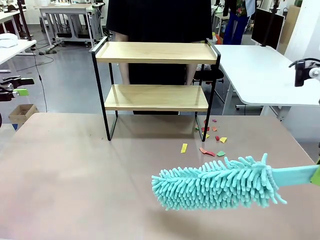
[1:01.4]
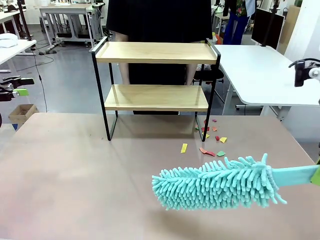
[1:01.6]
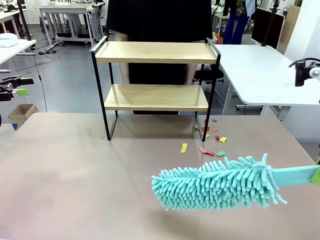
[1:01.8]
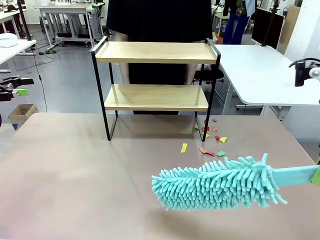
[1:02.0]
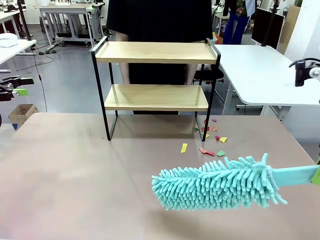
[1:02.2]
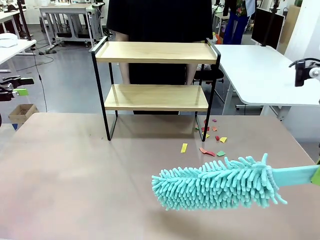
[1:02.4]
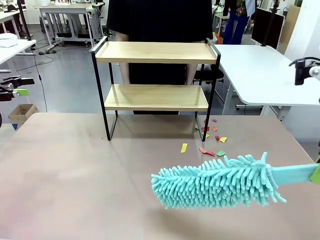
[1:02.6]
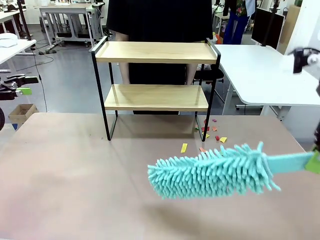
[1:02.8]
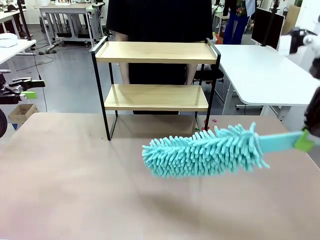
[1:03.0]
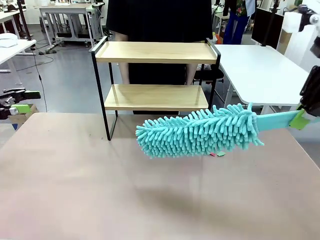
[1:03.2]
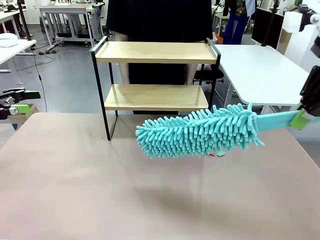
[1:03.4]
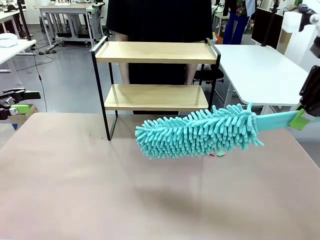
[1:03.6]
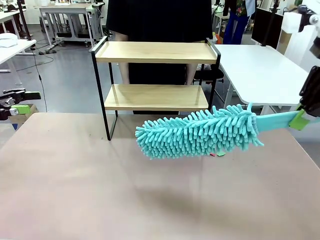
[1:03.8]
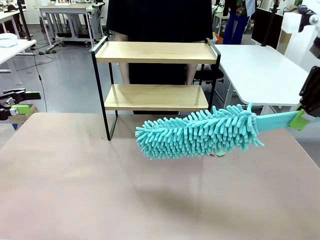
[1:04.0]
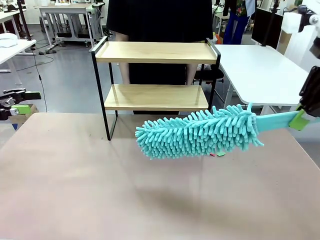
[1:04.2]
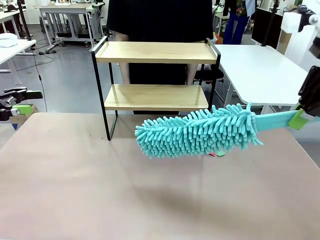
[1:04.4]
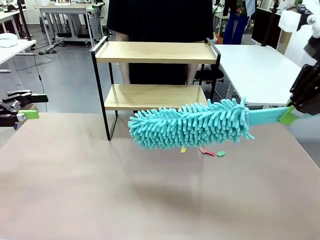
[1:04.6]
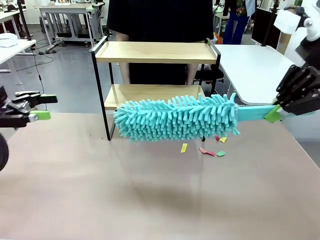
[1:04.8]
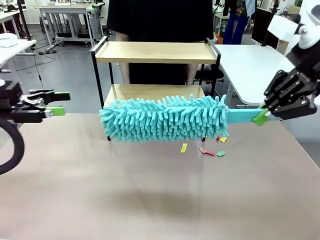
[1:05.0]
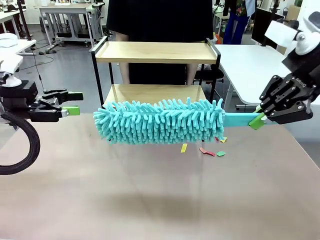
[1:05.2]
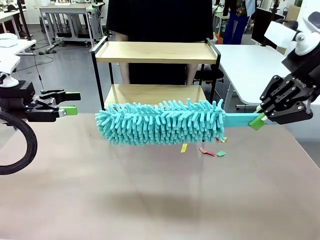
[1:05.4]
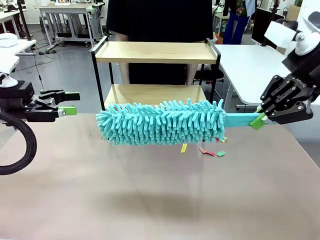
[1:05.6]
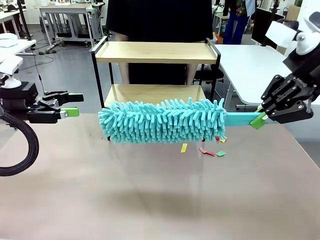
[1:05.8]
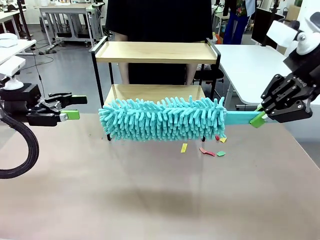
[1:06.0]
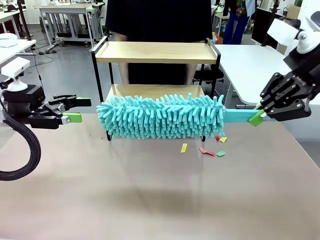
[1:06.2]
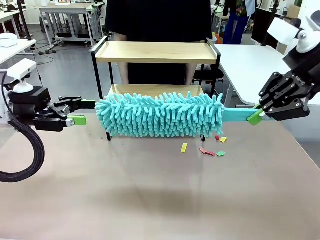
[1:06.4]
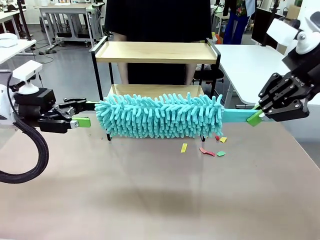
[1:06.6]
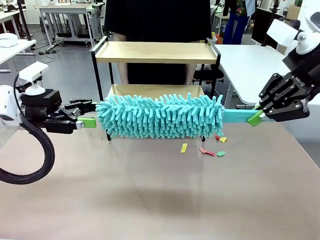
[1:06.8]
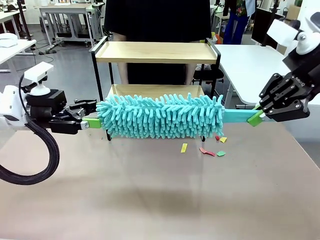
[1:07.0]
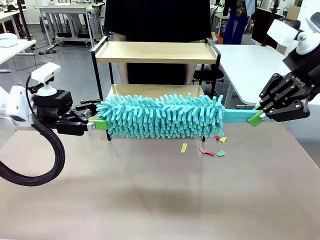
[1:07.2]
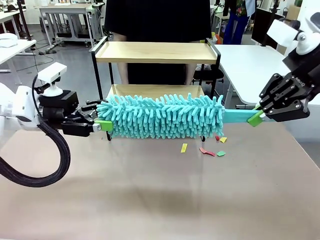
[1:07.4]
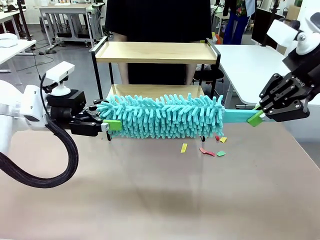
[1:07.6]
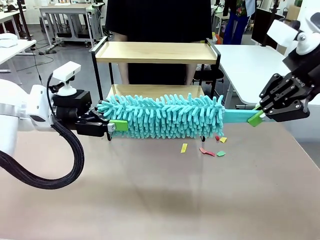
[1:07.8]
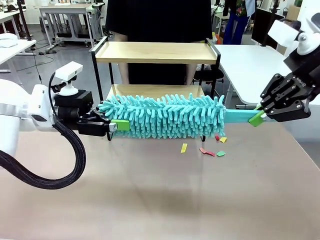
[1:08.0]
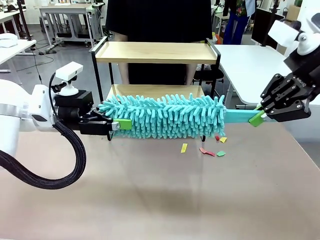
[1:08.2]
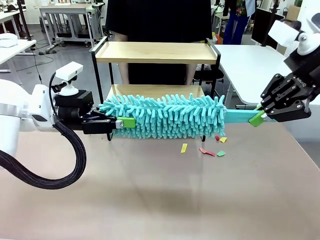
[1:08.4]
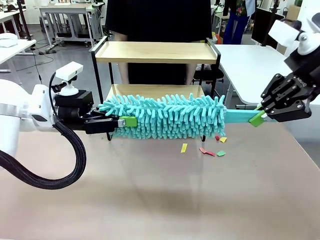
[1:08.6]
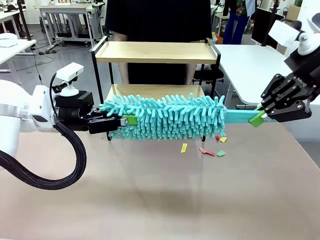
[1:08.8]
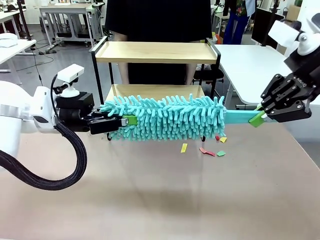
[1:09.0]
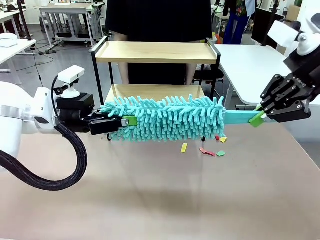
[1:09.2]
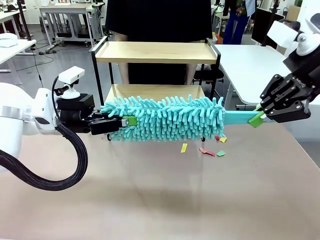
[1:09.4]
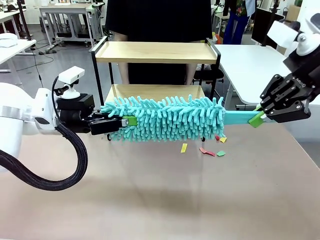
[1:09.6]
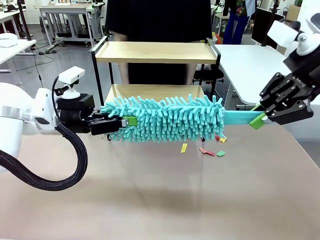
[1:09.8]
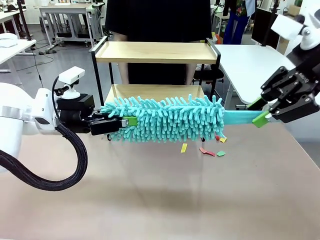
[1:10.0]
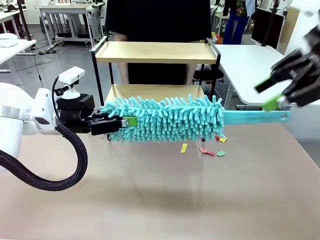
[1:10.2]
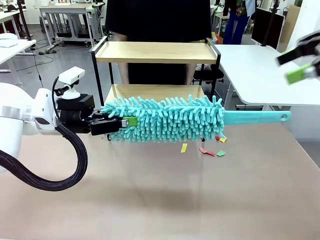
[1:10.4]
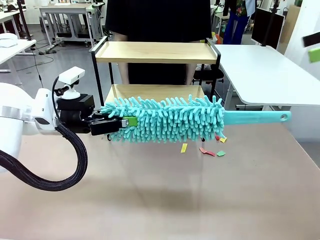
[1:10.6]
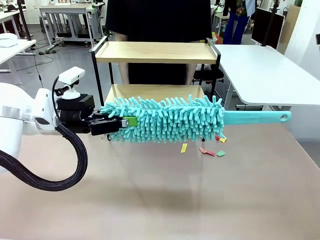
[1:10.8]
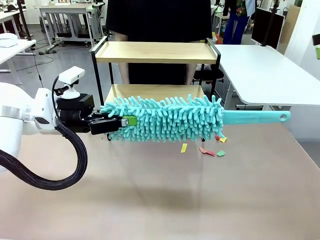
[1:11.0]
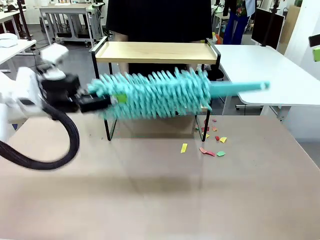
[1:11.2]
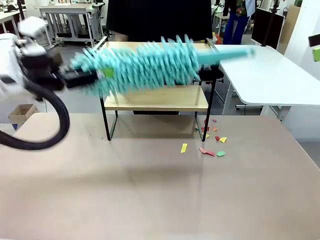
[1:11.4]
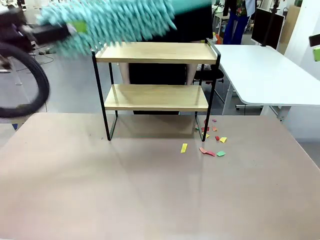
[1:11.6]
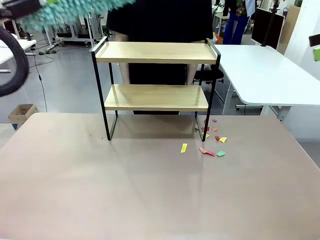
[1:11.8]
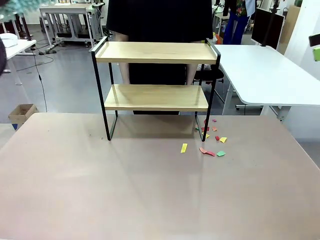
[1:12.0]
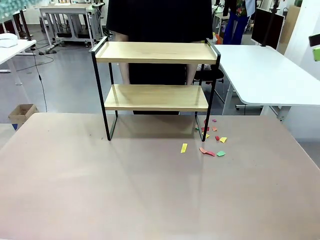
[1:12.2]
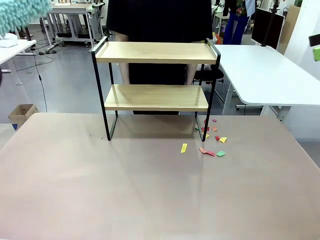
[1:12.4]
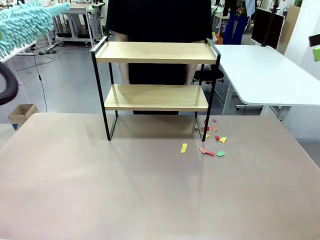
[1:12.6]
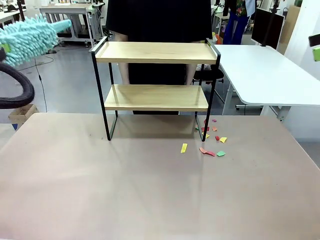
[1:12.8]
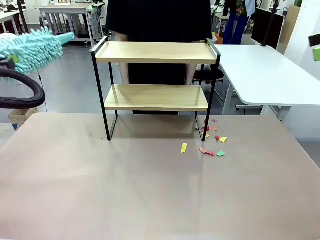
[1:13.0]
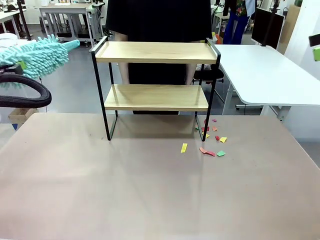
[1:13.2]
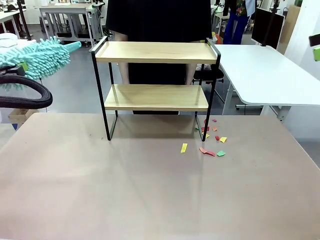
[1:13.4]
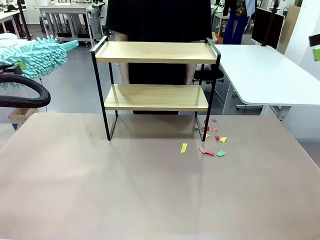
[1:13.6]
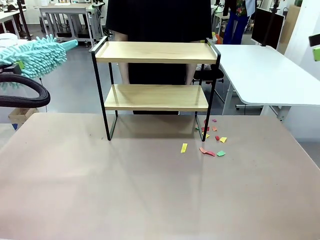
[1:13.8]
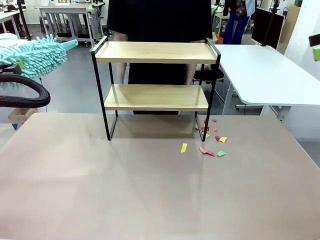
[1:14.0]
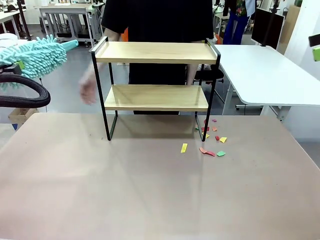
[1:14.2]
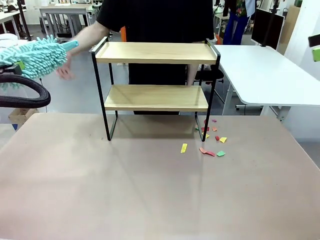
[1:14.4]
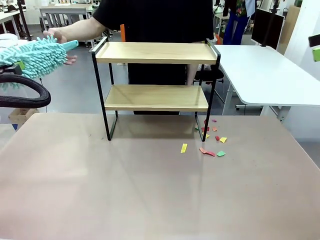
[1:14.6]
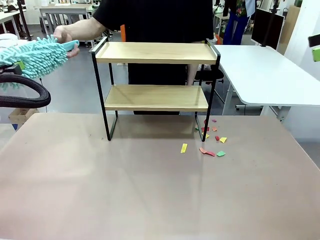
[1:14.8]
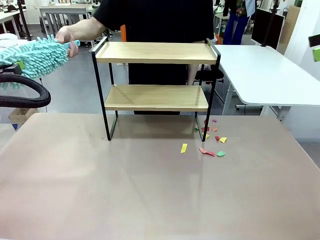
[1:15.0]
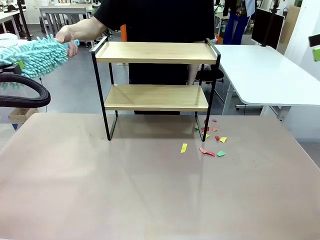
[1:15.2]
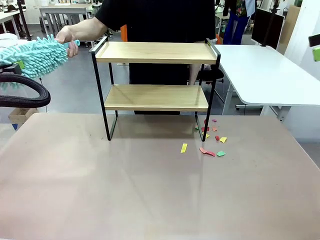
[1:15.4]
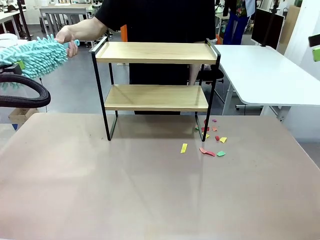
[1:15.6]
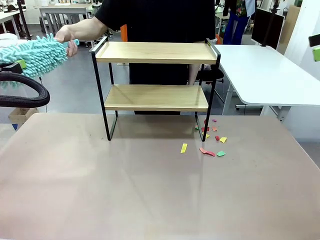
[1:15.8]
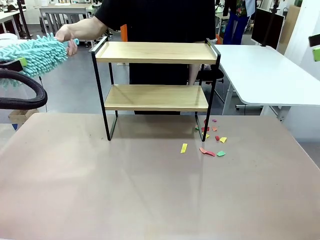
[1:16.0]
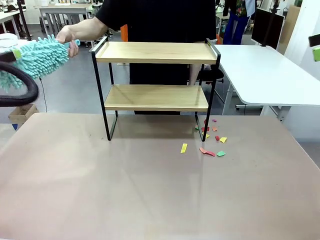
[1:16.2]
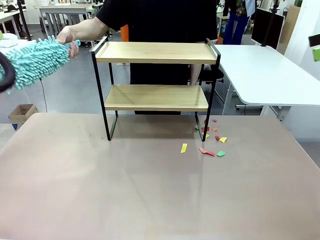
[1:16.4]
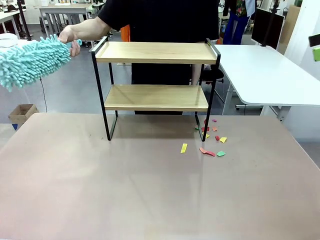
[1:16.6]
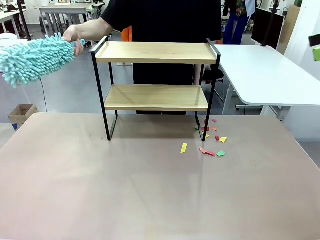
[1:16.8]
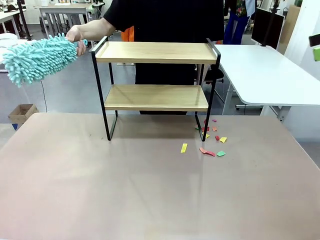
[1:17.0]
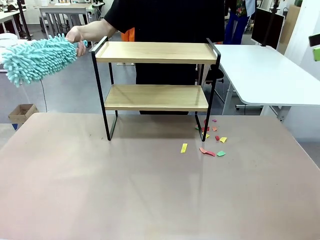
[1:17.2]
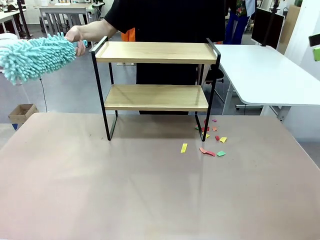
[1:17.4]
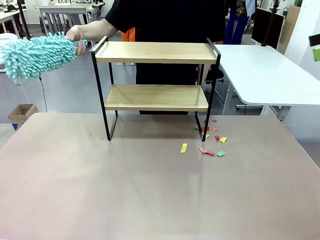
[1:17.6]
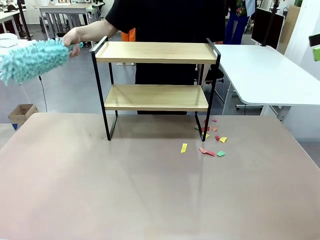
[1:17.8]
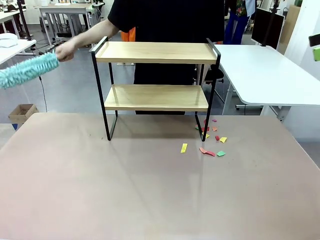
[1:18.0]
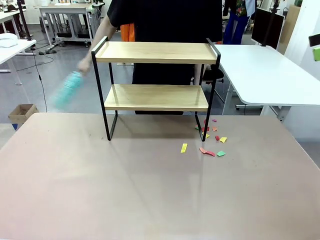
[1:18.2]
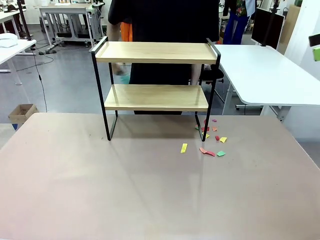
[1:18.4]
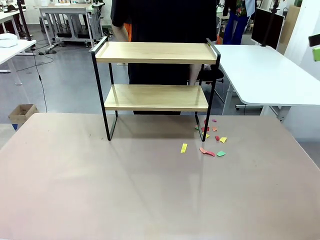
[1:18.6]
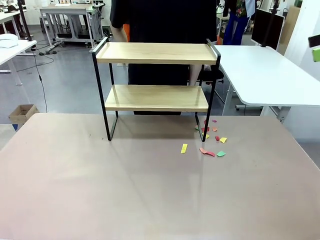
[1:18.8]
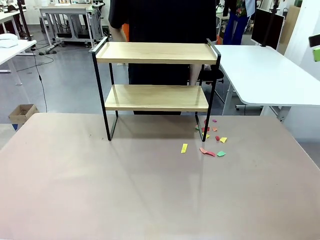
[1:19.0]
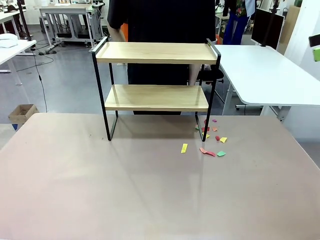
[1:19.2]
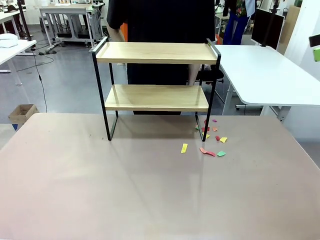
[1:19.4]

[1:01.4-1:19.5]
Task: Clean the shelf.
Robot: Hand the Duster back to the human.
Person: Receive the Duster from the robot.

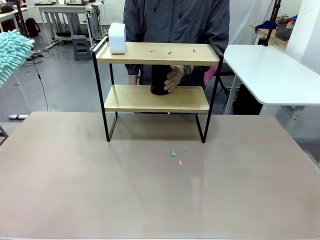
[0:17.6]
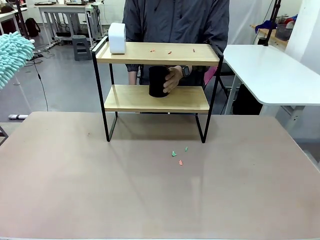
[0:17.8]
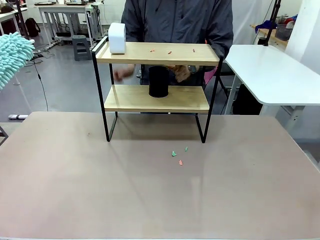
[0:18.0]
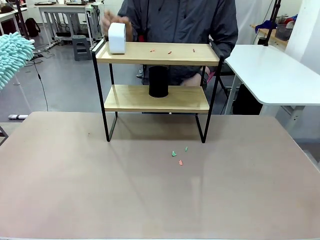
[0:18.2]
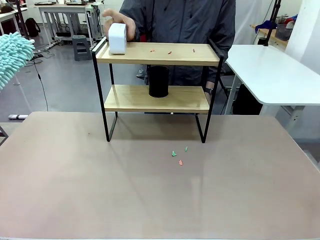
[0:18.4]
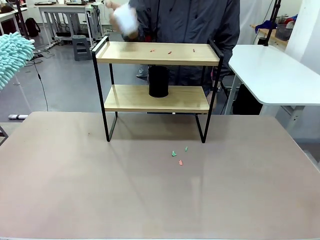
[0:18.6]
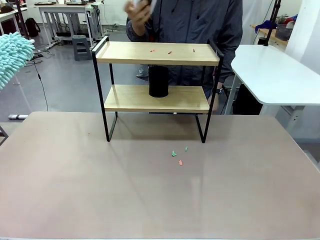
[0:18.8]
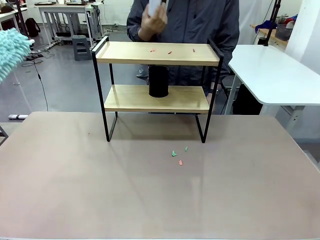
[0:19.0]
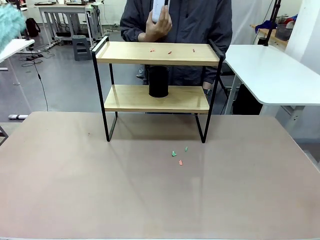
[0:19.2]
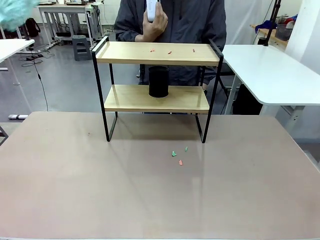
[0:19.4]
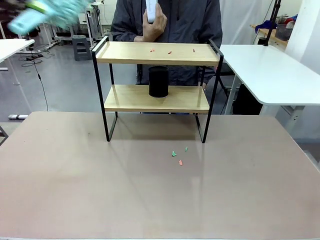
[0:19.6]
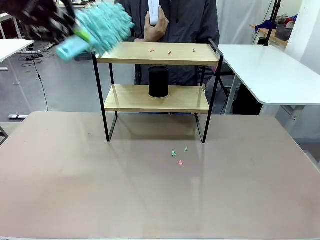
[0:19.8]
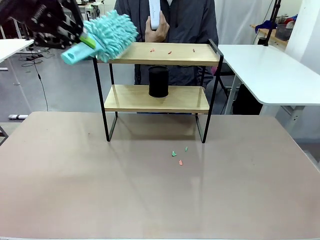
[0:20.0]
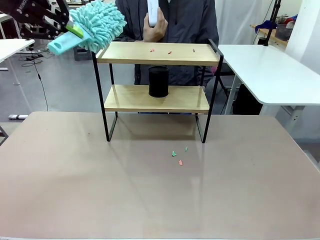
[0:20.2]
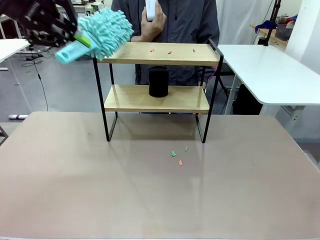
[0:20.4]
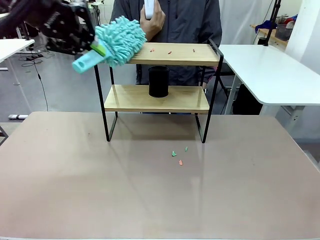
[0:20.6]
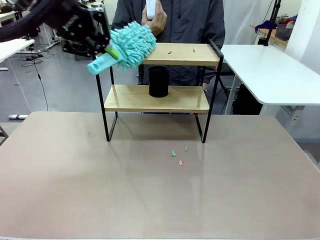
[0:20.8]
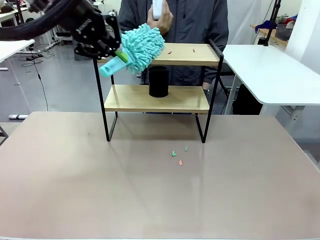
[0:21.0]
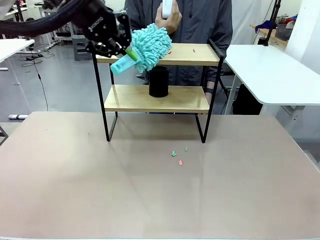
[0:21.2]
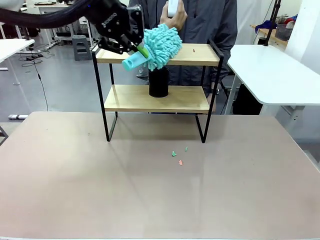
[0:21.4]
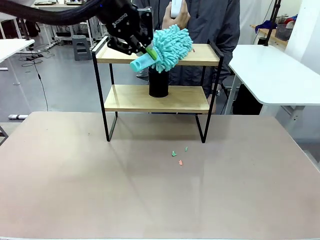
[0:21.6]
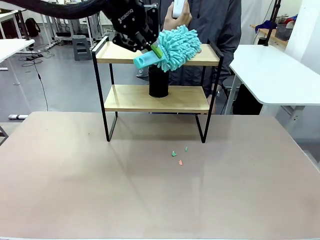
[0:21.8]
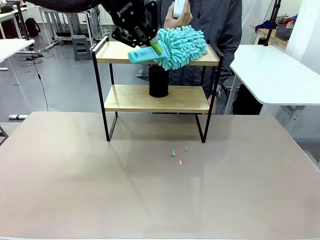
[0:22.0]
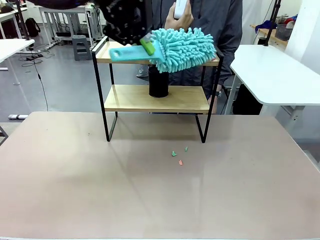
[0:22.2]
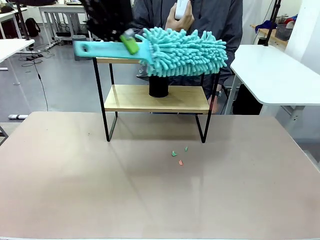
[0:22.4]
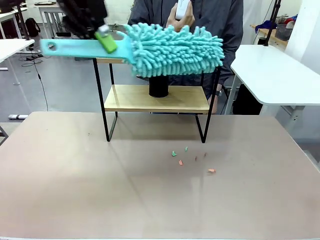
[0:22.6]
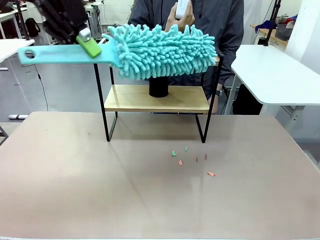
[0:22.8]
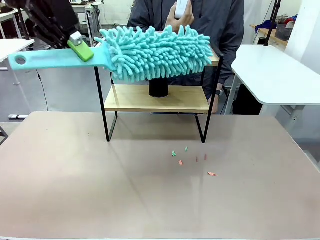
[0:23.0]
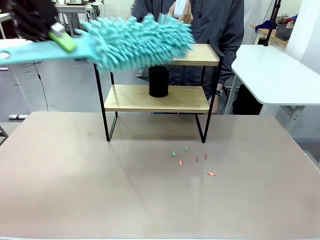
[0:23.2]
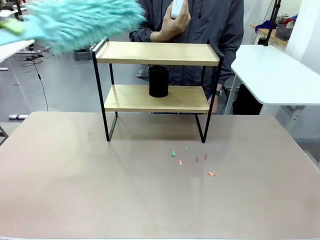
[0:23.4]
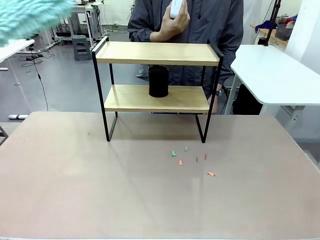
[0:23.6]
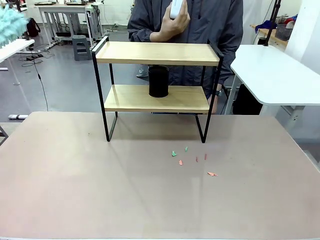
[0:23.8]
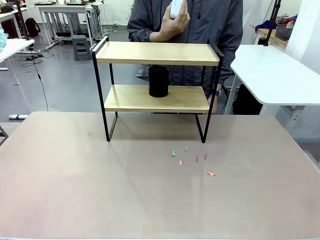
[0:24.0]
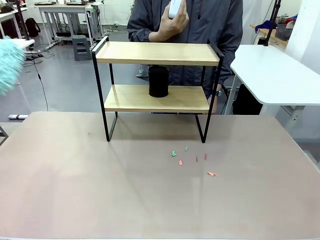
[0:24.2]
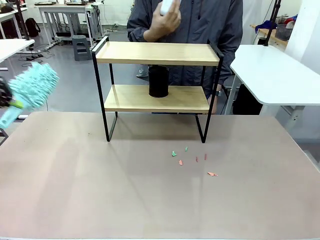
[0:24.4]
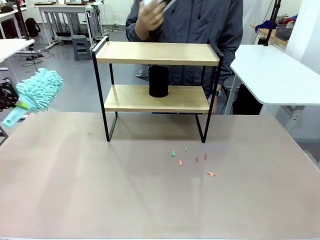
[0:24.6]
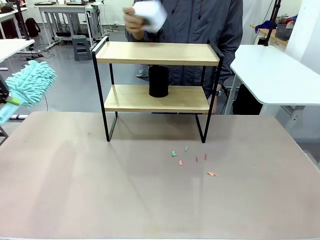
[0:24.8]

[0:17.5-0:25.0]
Task: Clean the shelf.
Robot: Clean the remaining tier of the Shelf with the Duster once objects are removed.
